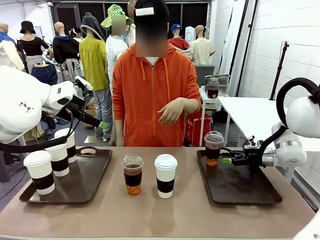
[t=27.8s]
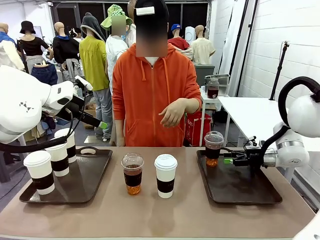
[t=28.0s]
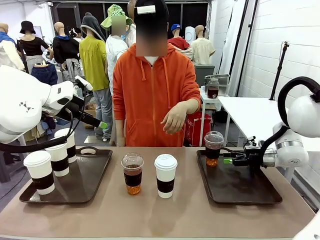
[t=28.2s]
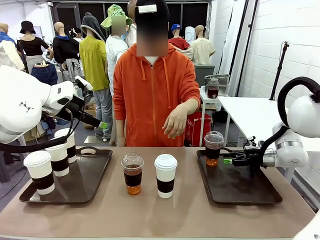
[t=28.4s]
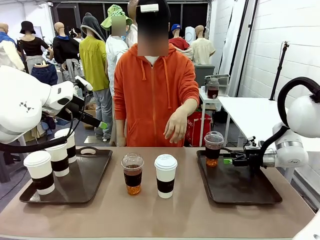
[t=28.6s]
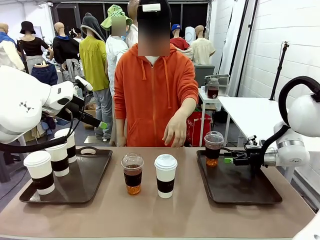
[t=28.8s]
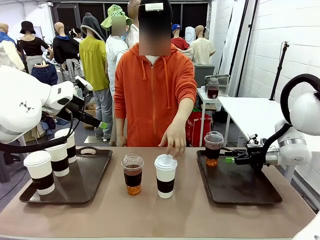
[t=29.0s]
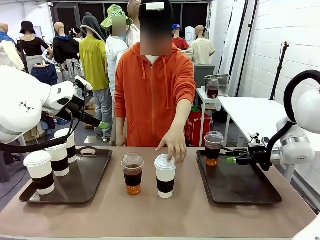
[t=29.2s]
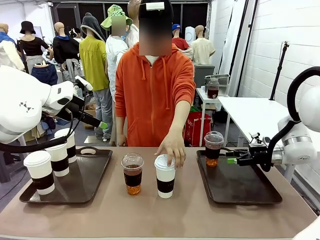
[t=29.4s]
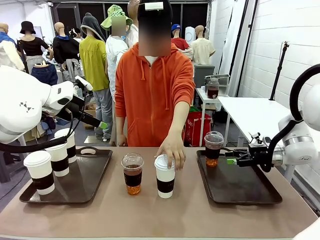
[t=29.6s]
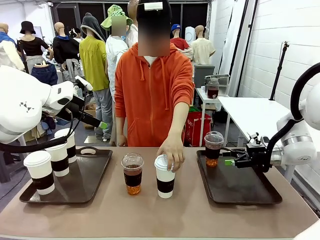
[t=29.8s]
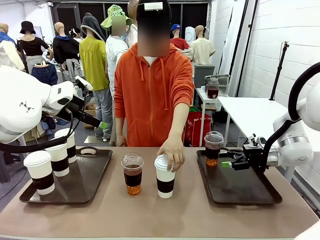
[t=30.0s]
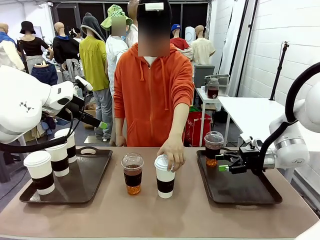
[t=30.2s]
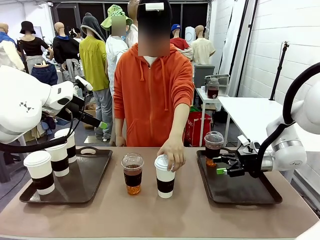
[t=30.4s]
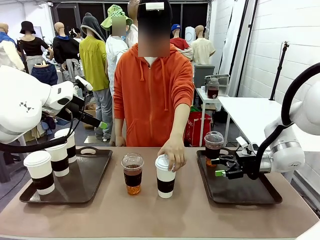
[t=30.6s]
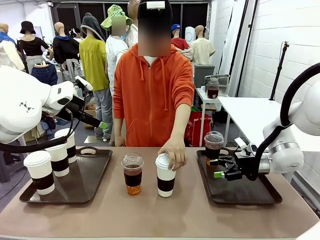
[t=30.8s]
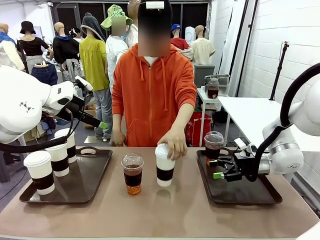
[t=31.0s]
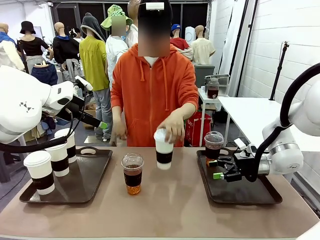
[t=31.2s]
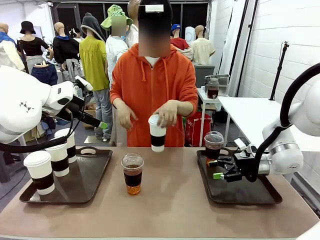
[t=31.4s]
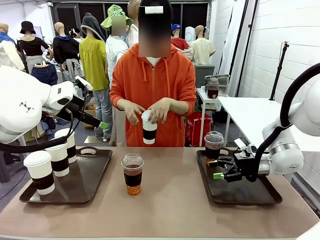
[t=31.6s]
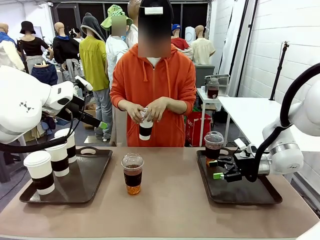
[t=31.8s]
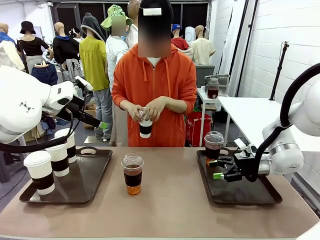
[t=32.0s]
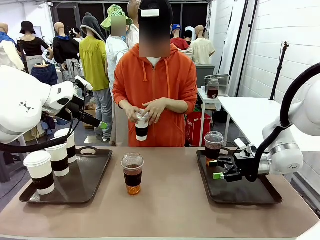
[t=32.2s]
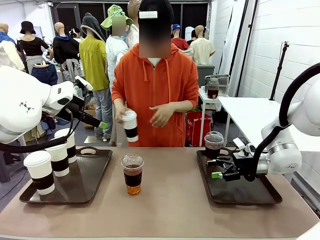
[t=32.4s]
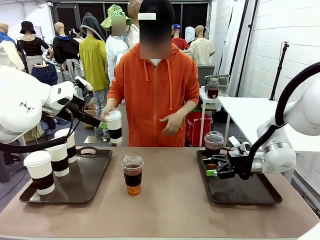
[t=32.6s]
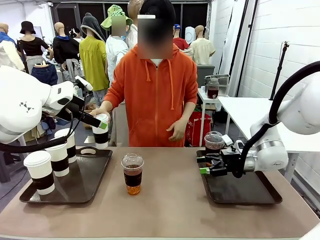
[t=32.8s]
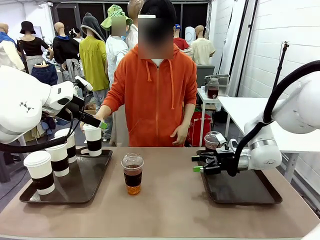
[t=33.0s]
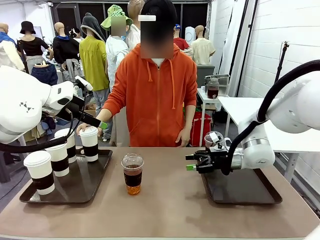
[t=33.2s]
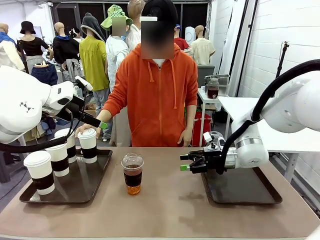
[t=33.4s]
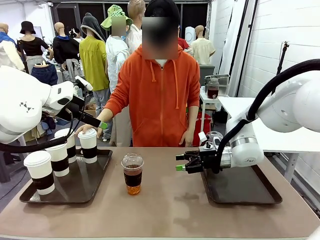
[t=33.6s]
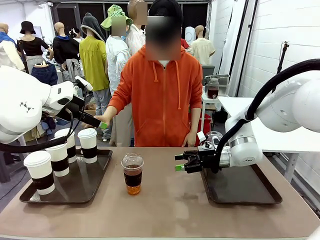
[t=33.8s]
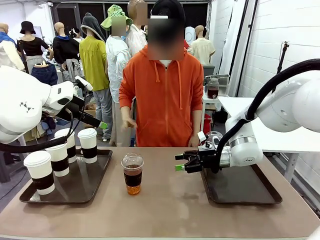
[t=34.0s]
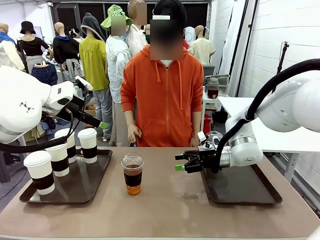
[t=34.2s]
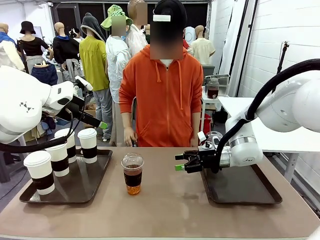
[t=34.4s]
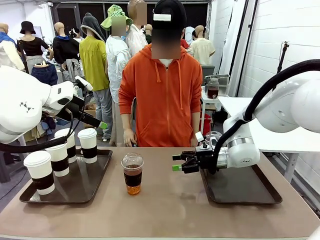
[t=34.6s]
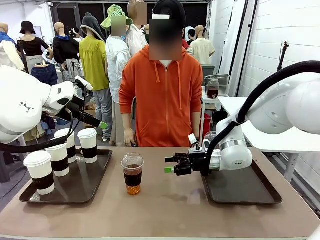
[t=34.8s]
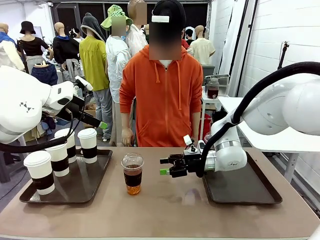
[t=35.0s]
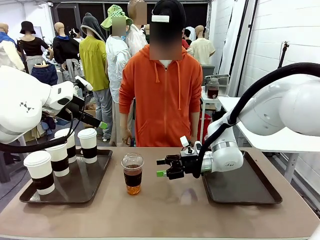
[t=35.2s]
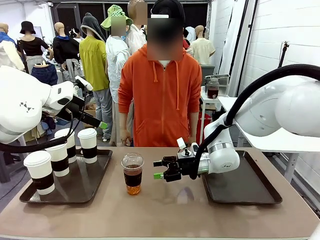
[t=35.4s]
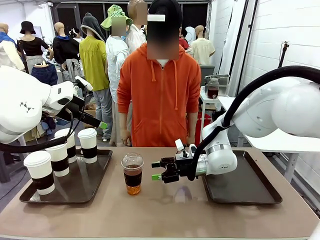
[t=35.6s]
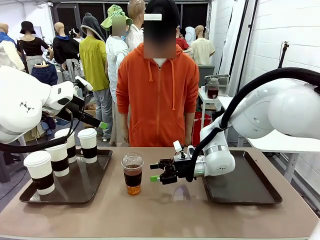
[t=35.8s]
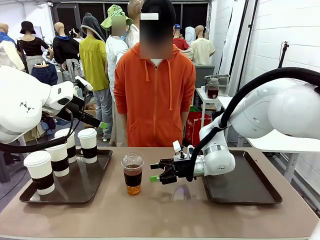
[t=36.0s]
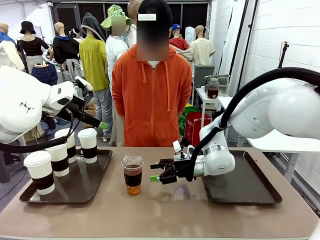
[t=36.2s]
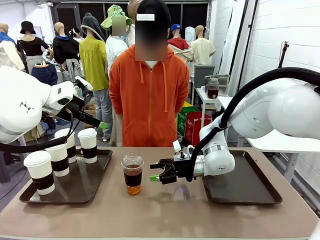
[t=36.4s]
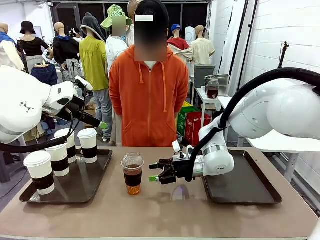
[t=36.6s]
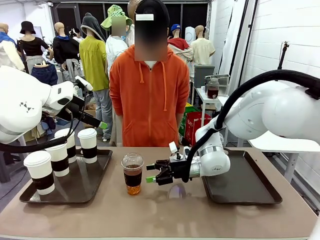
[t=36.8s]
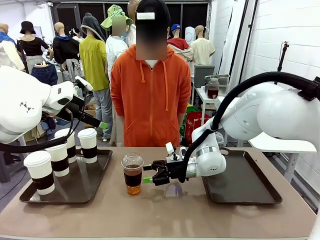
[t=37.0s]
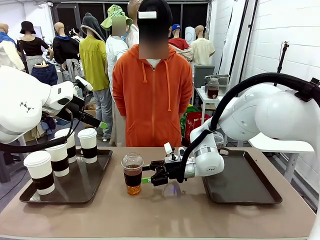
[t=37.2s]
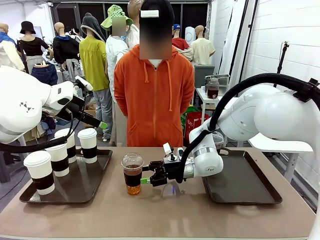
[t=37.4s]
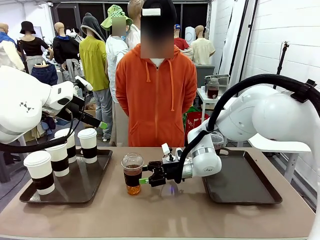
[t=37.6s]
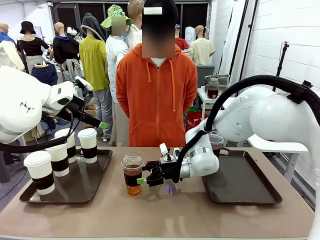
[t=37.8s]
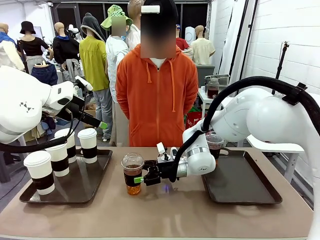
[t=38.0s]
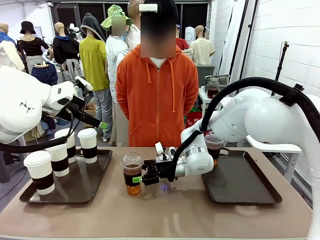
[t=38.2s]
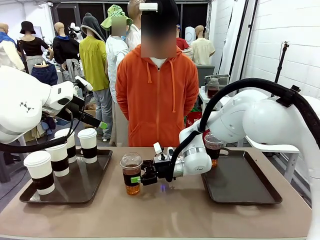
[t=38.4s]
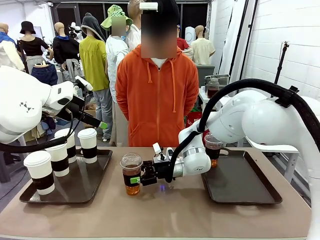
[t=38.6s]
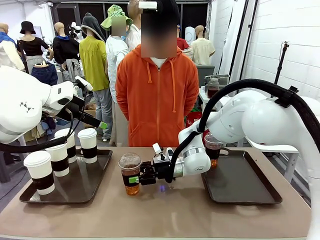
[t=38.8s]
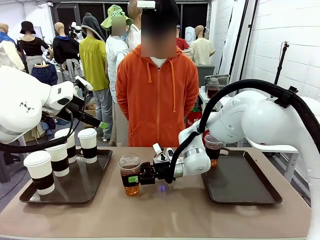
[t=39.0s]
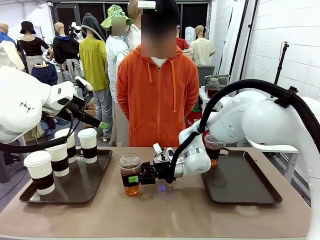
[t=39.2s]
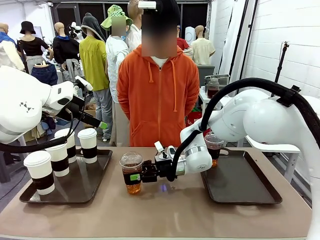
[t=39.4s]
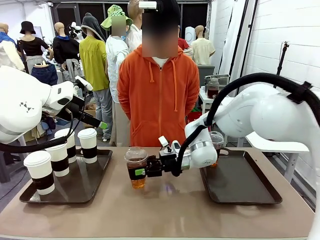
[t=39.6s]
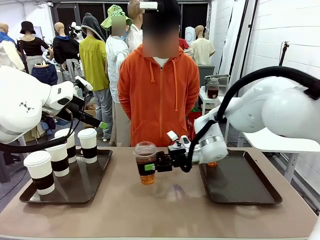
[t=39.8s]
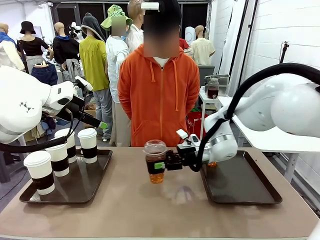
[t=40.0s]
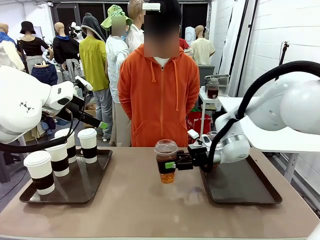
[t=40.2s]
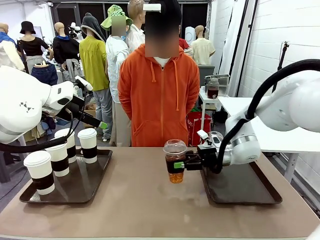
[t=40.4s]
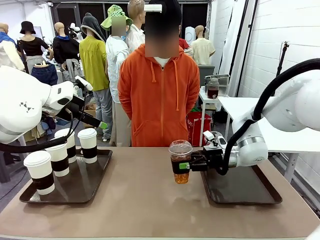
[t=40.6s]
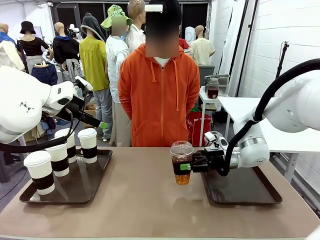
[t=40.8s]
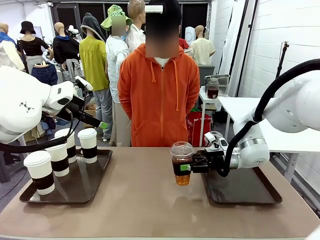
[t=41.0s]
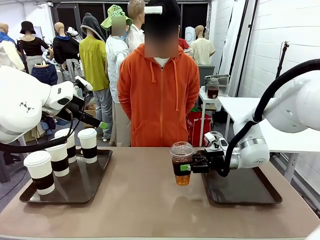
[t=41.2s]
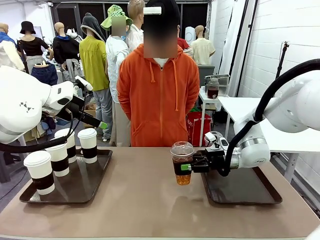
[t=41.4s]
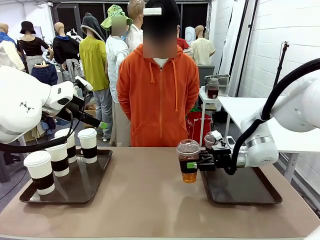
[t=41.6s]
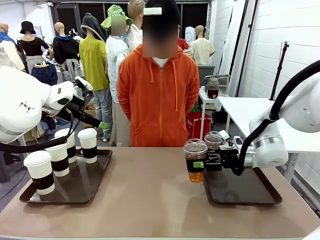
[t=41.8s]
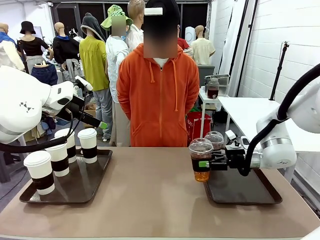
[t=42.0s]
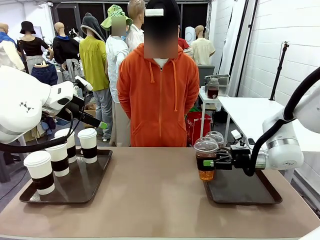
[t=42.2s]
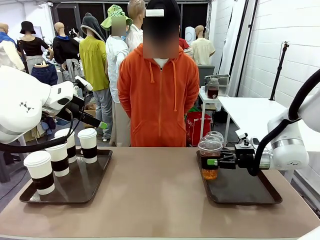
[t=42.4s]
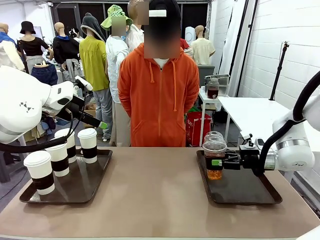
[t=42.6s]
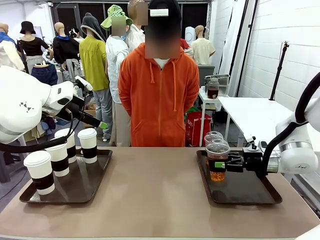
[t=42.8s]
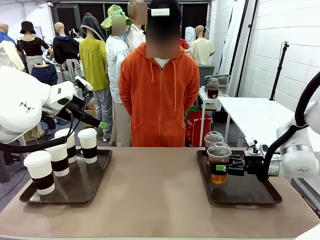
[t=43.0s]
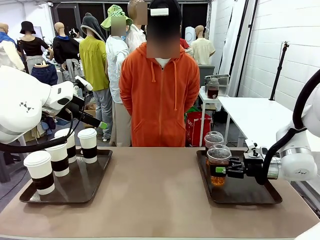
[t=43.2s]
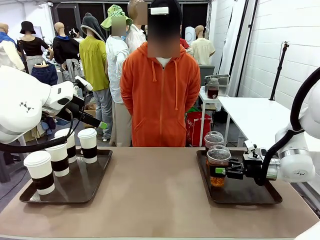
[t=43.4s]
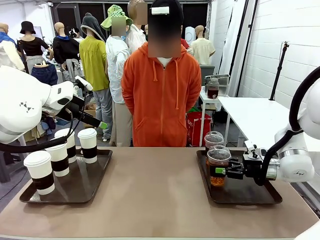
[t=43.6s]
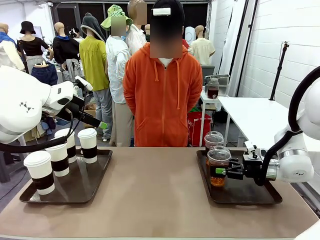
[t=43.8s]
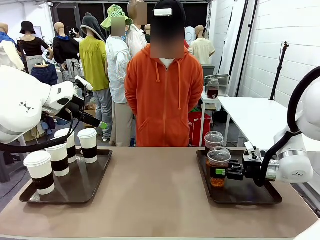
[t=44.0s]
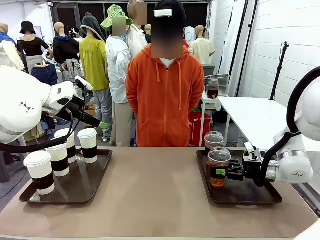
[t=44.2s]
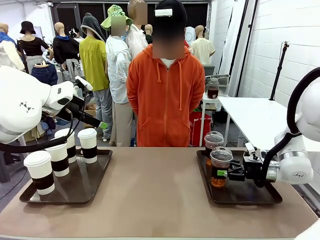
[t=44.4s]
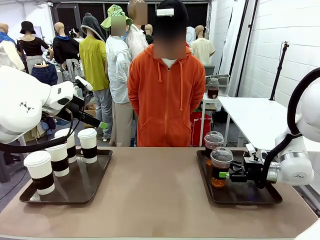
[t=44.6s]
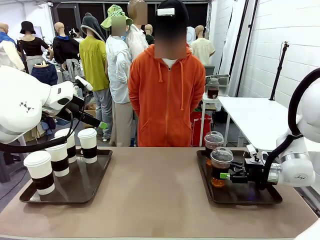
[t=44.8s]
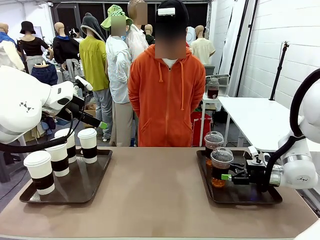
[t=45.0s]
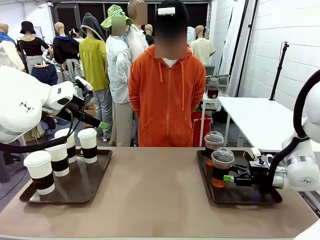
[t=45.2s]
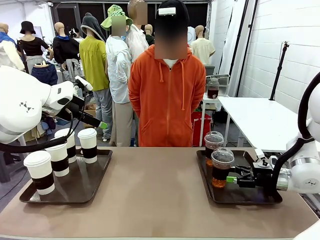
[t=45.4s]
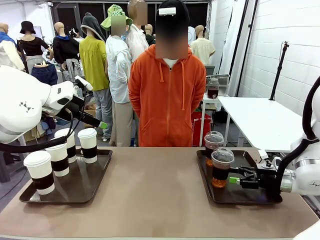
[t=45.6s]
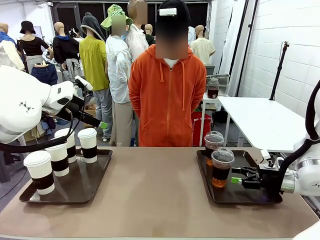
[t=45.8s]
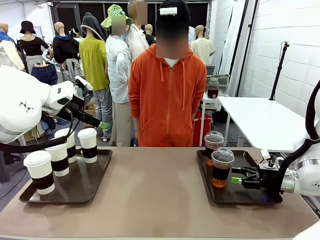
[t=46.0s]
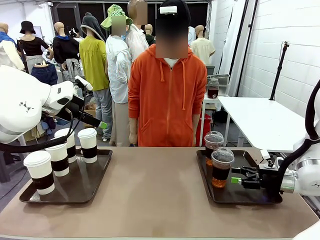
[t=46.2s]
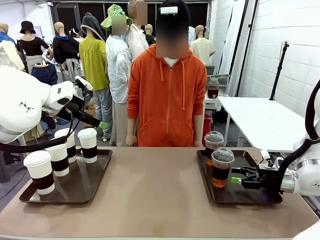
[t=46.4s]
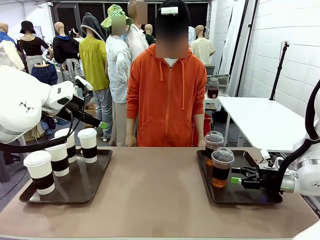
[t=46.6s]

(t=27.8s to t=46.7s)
Task: Distribute the coffee onto the tray.
Robot: Pick up another iced Americano from the middle of the table and place it on the right Handle tray.
Person: Pick up a cup of hot Americano from the middle of the table and place it on the right tray.
